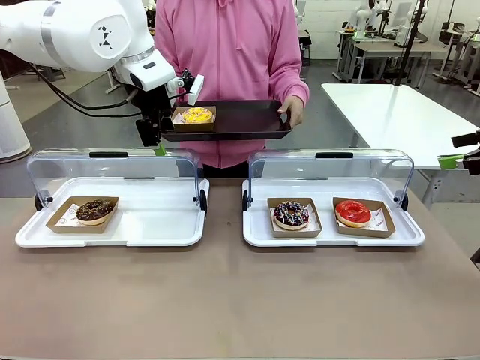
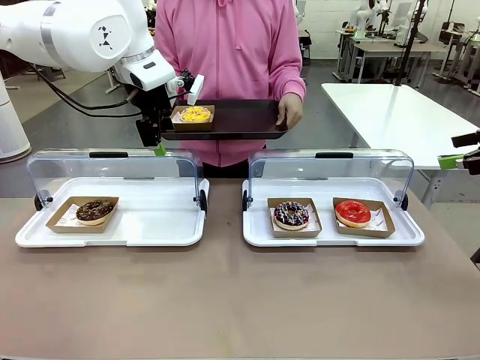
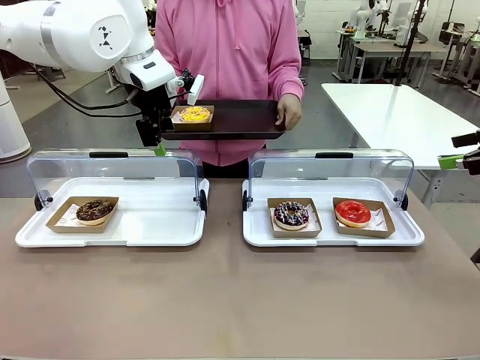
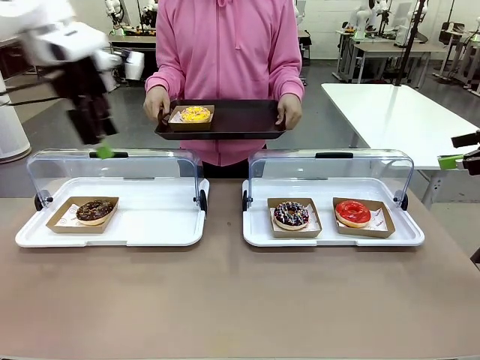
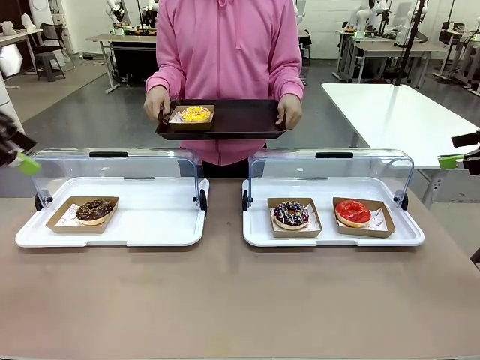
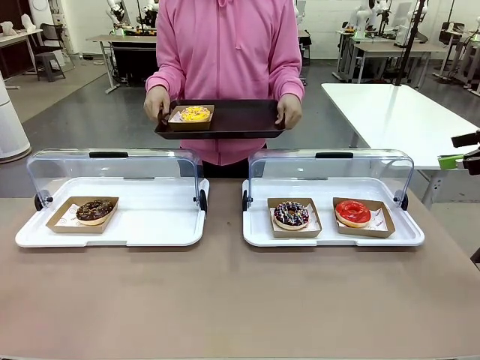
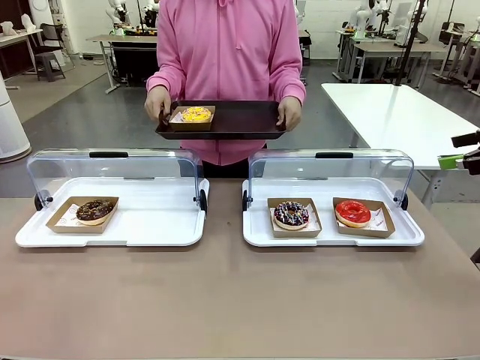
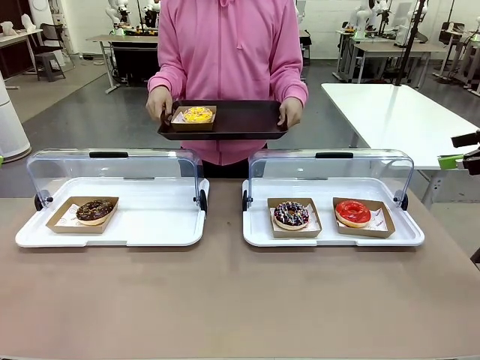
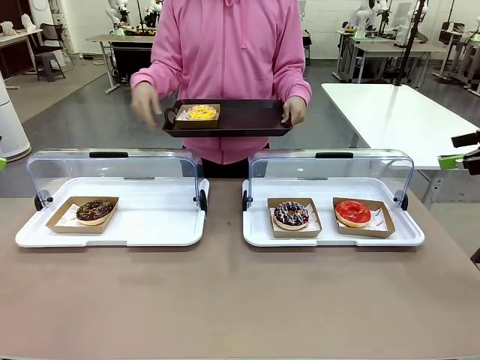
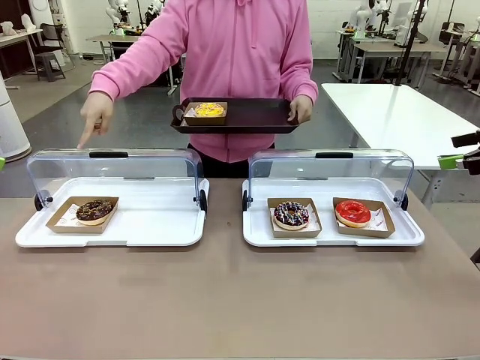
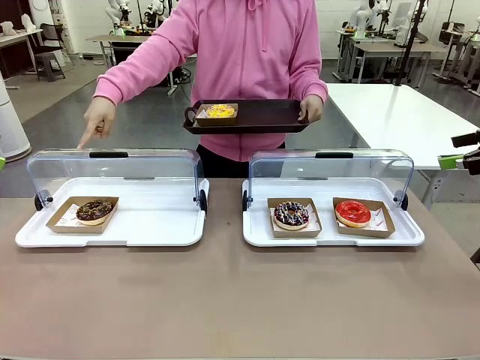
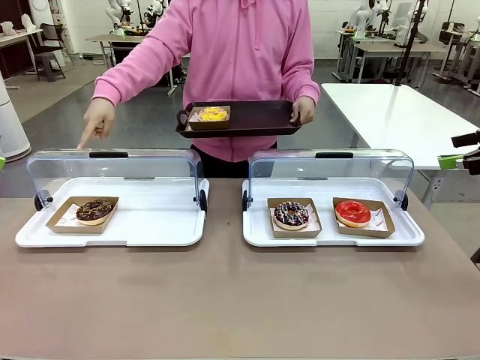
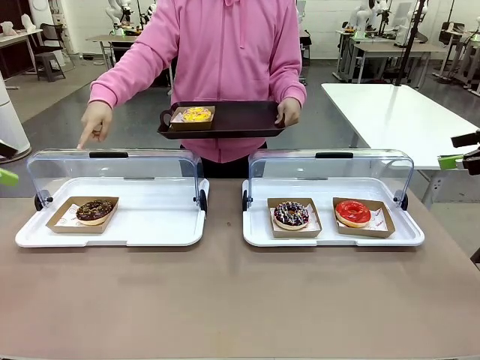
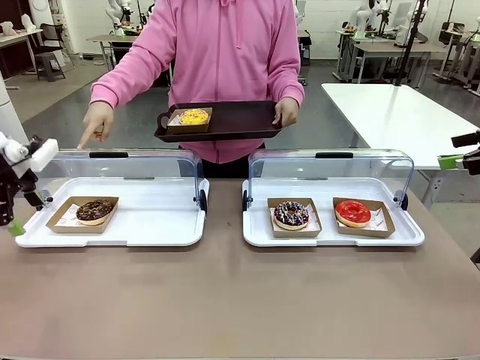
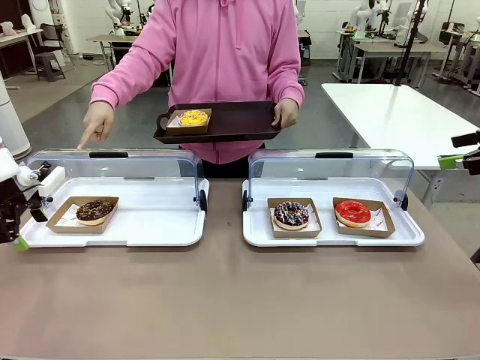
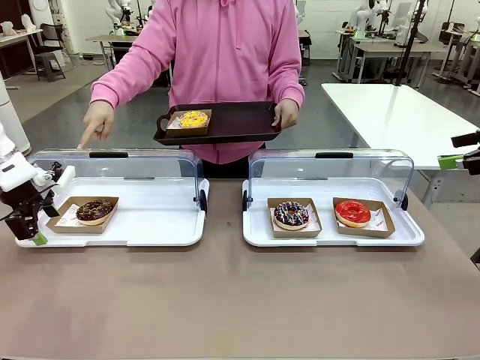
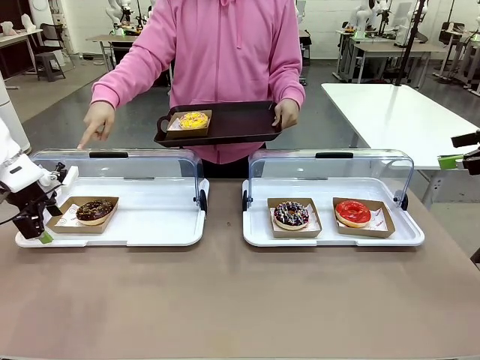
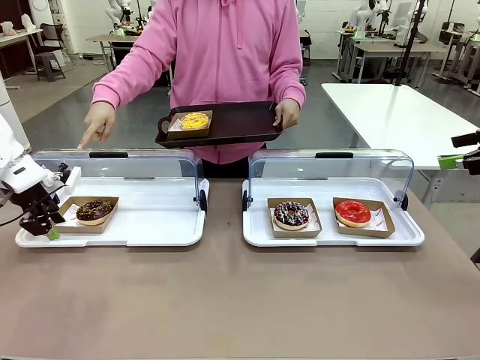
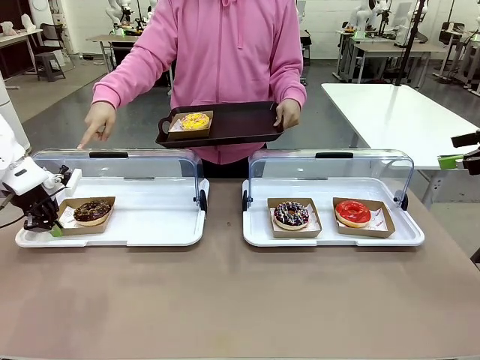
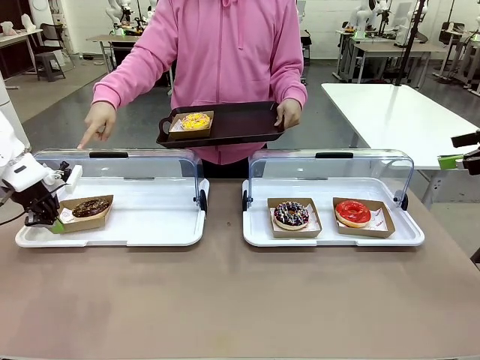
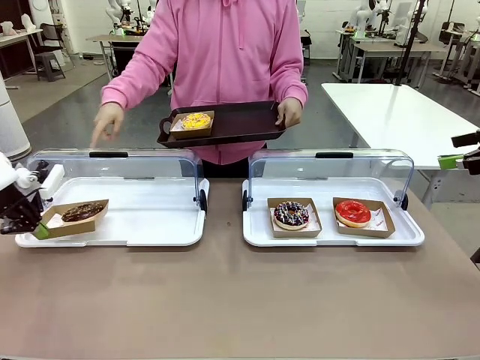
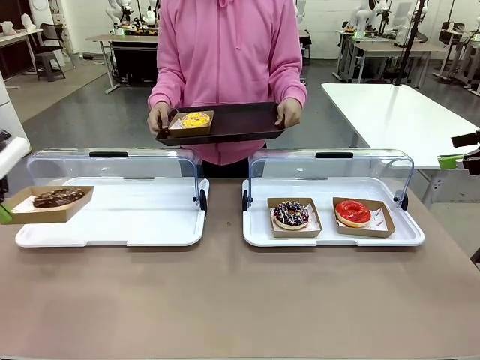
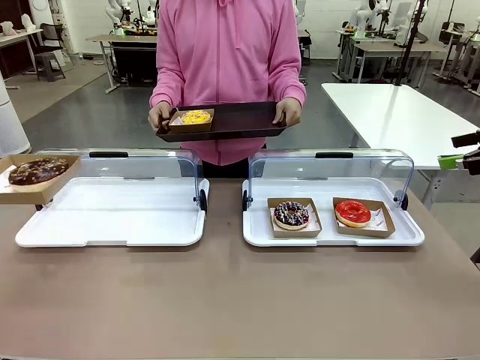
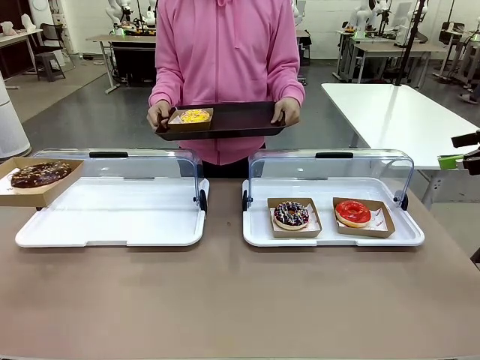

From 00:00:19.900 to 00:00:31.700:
Task: Provide the desired donut to the person.
Robot: Pick up and lift the Paper togo box containing the Donut pointed at by the person.
Person: Point to one donut. Lift the tray onto the Roll-Top Bakery Case.

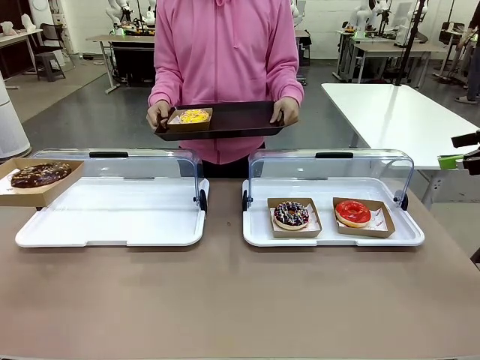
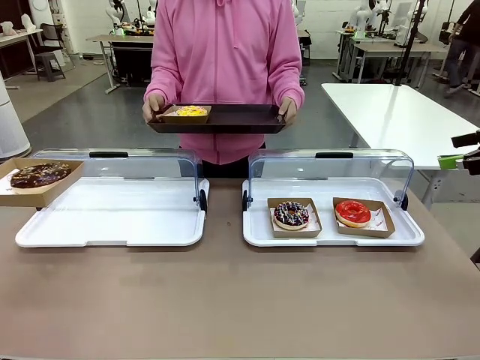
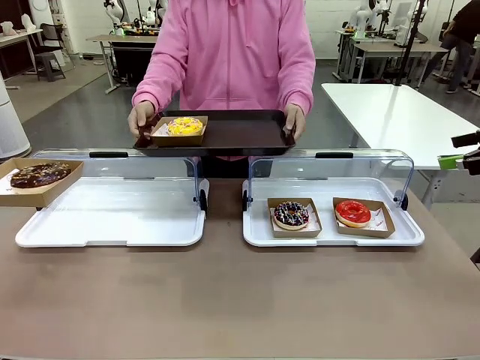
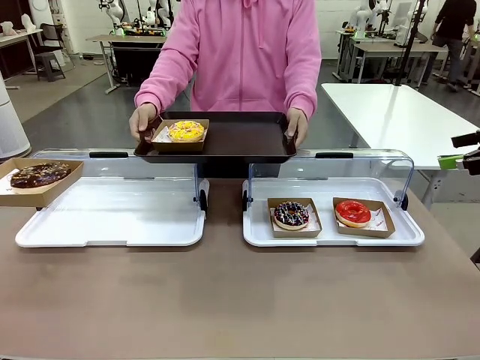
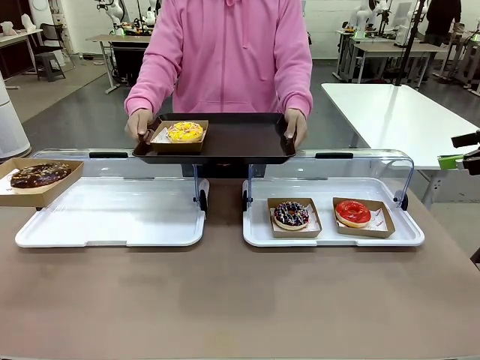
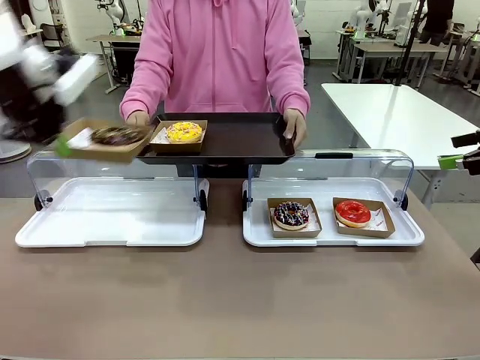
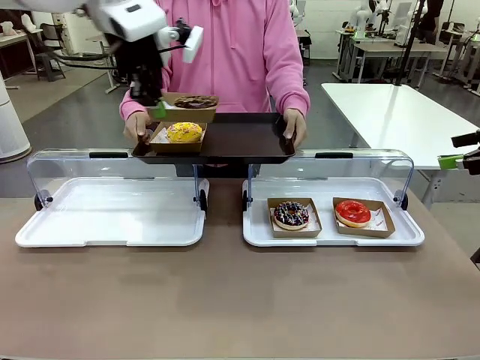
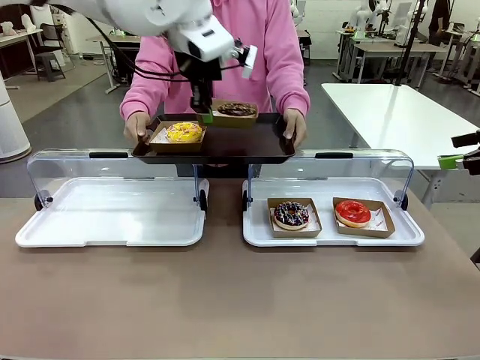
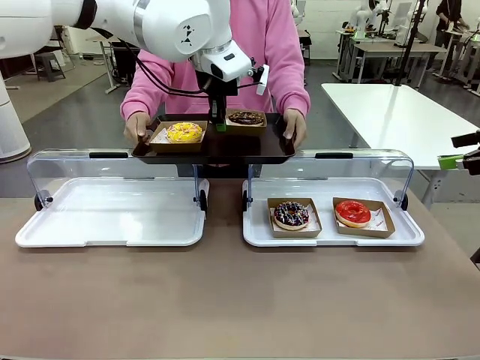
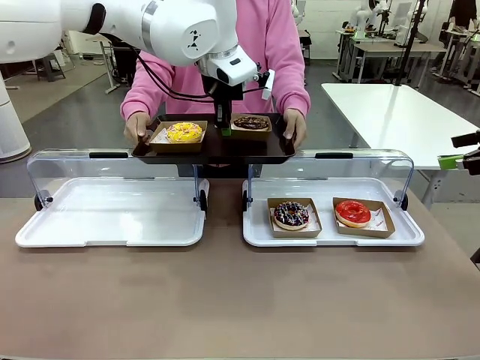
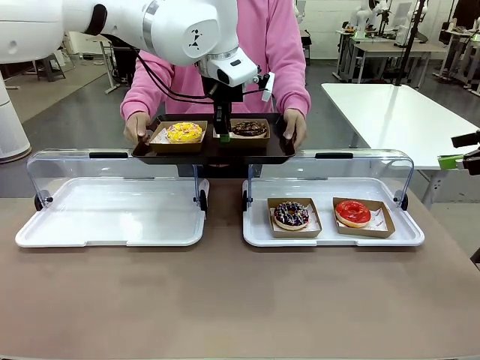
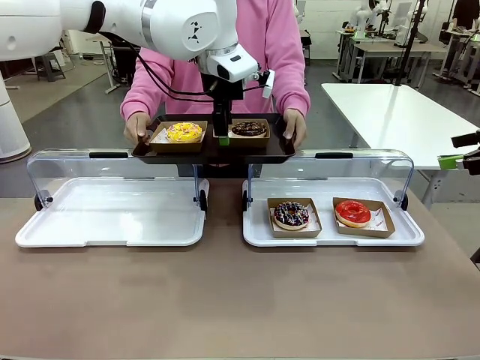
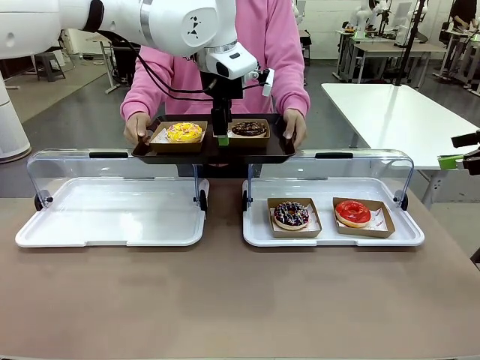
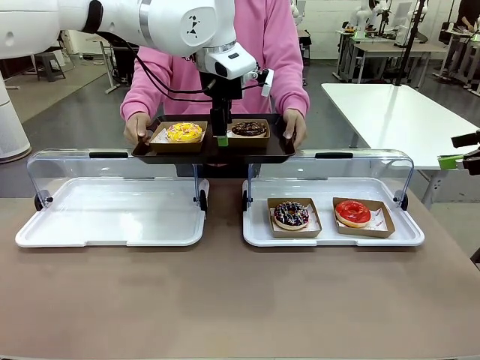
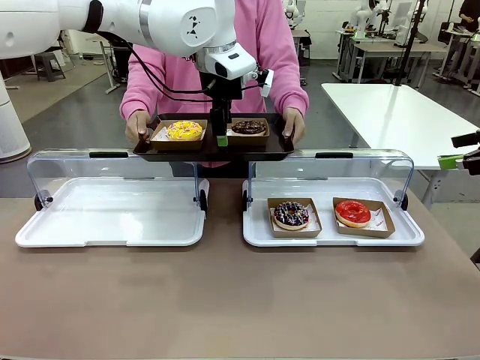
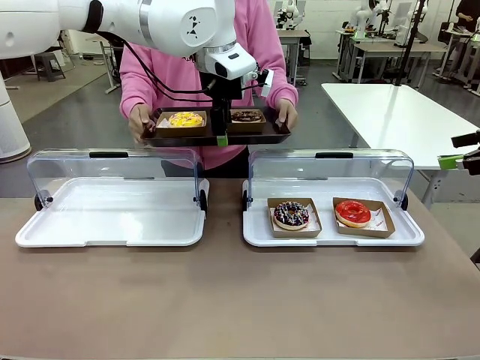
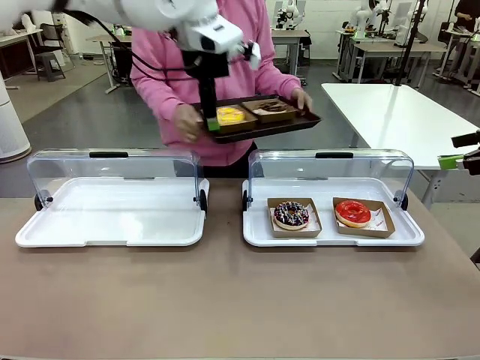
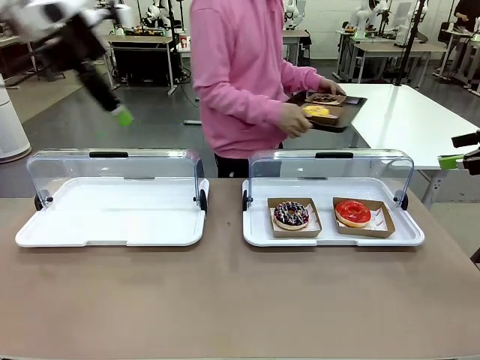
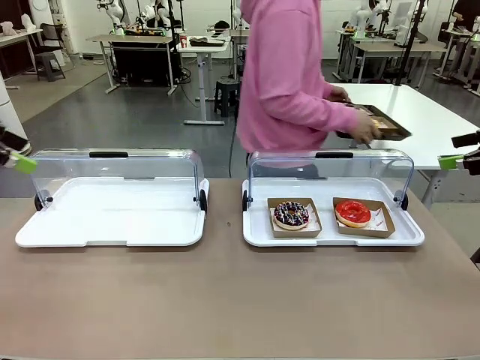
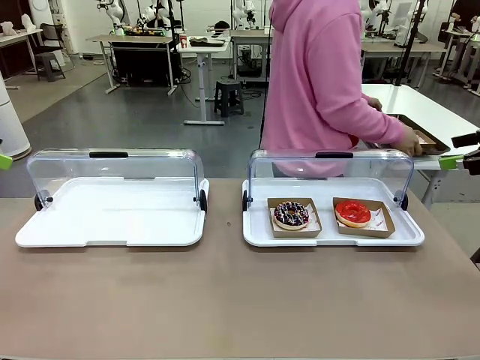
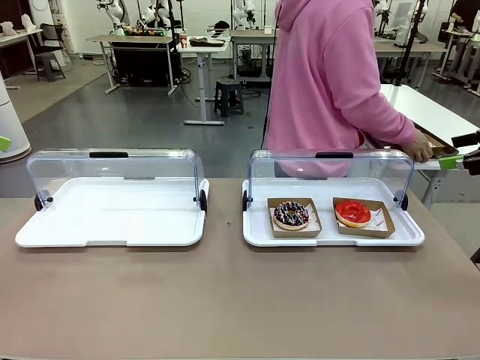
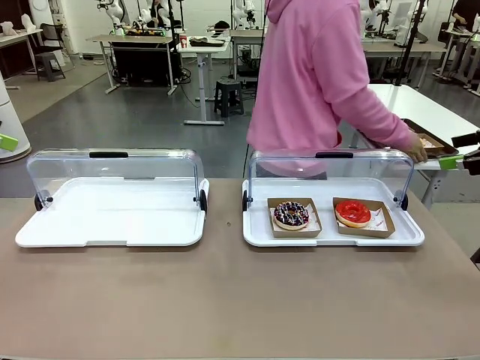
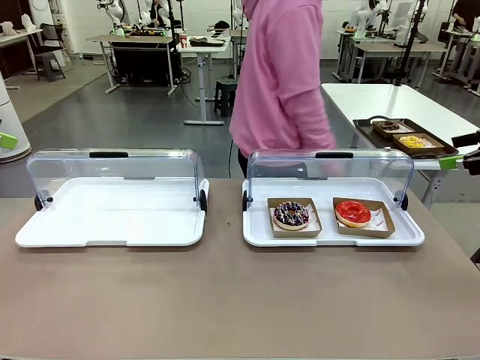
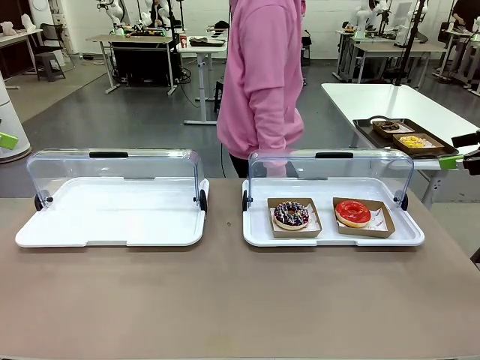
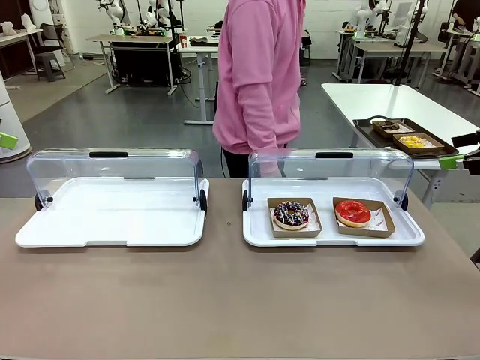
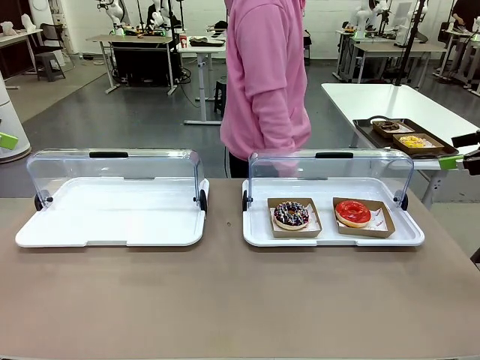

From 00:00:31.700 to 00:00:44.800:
Robot: Place the picked Paper togo box onto the Handle tray extended by the person.
Person: Place the tray in the middle of the human table.
